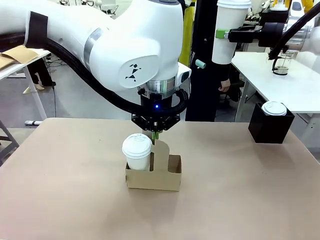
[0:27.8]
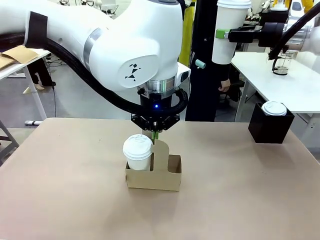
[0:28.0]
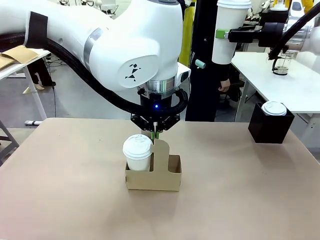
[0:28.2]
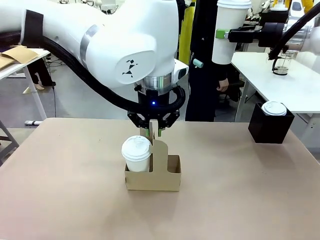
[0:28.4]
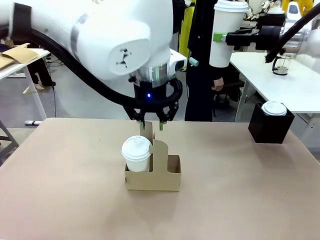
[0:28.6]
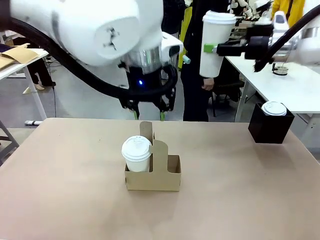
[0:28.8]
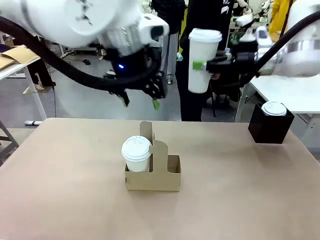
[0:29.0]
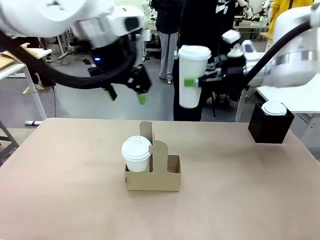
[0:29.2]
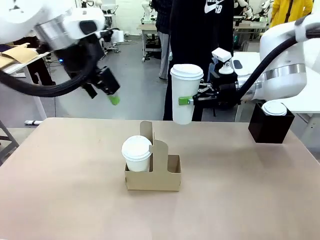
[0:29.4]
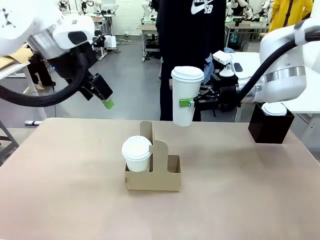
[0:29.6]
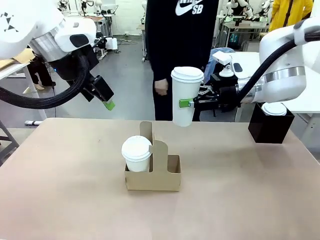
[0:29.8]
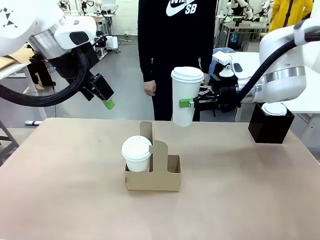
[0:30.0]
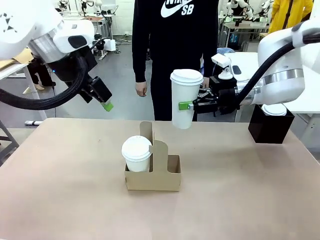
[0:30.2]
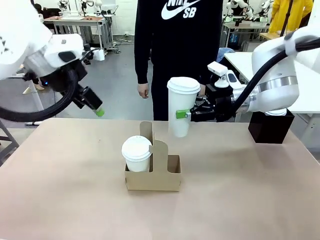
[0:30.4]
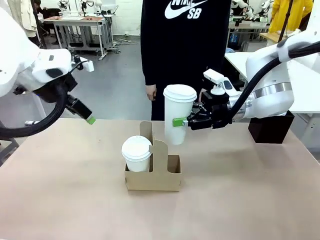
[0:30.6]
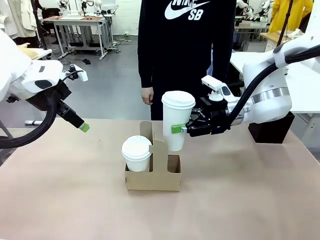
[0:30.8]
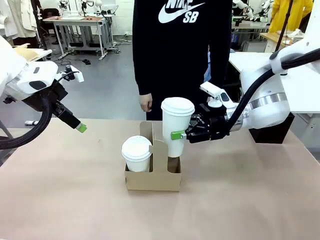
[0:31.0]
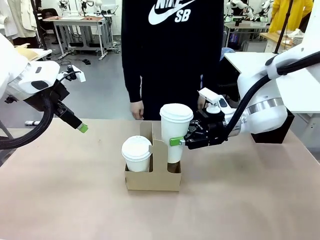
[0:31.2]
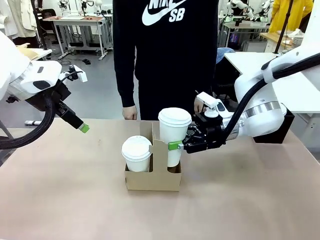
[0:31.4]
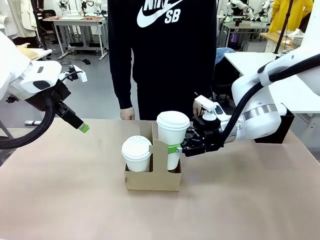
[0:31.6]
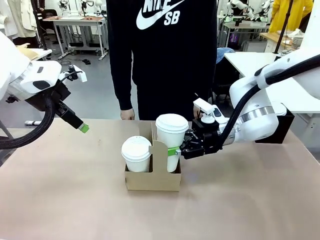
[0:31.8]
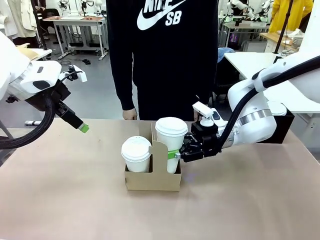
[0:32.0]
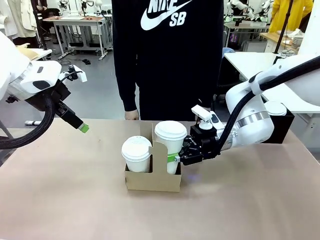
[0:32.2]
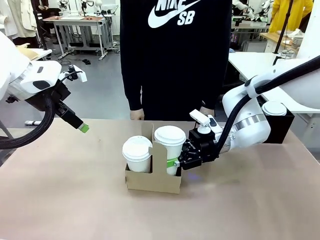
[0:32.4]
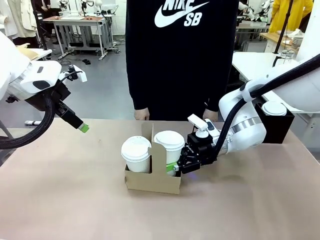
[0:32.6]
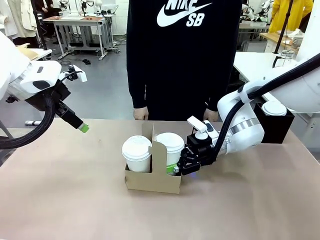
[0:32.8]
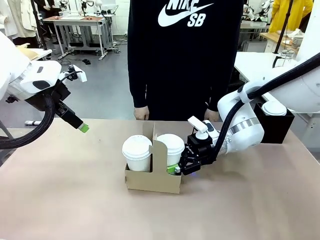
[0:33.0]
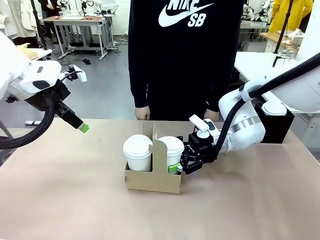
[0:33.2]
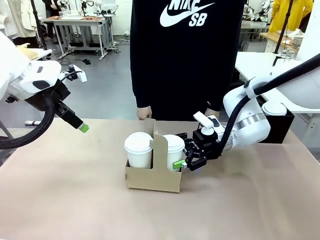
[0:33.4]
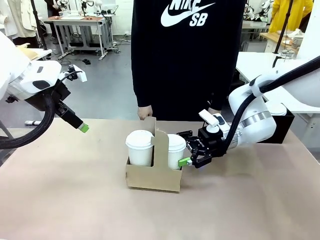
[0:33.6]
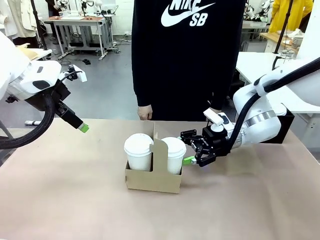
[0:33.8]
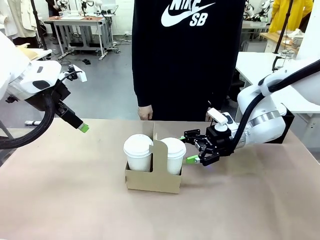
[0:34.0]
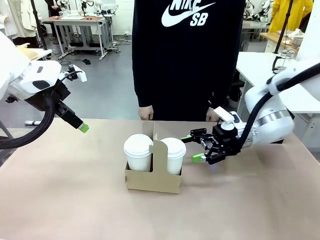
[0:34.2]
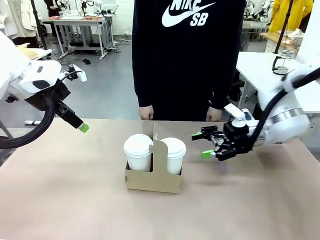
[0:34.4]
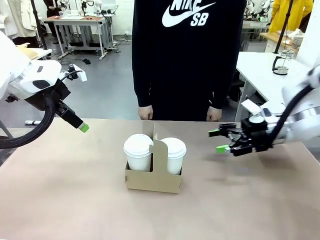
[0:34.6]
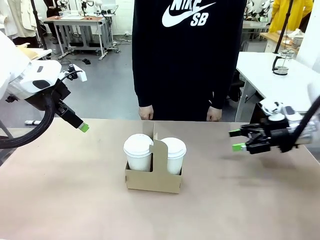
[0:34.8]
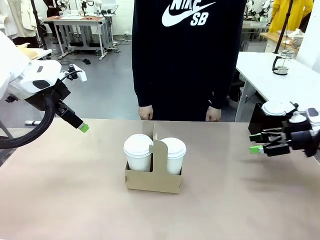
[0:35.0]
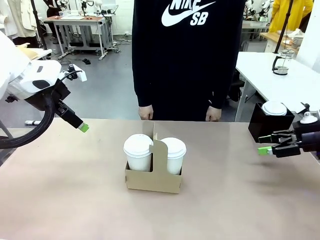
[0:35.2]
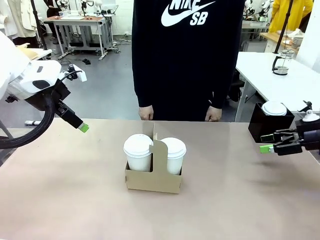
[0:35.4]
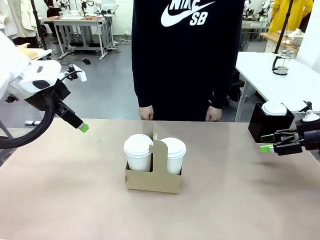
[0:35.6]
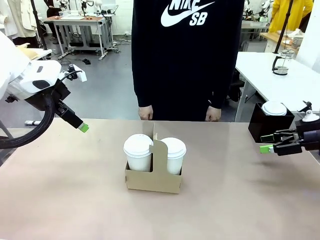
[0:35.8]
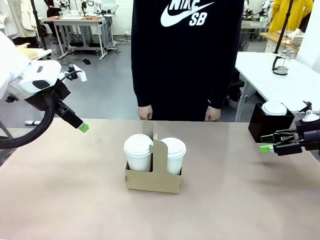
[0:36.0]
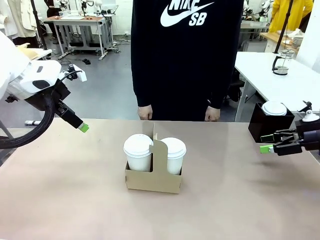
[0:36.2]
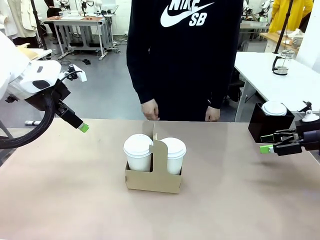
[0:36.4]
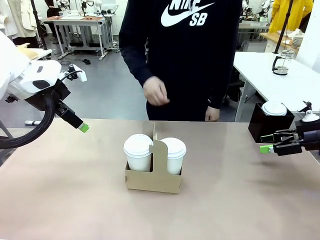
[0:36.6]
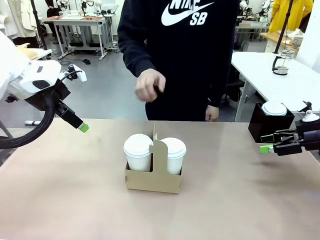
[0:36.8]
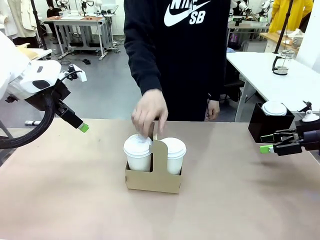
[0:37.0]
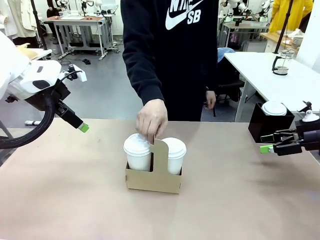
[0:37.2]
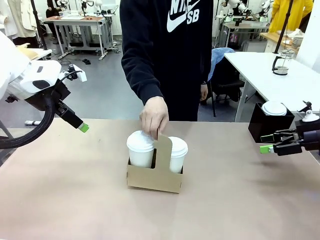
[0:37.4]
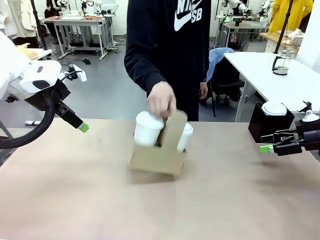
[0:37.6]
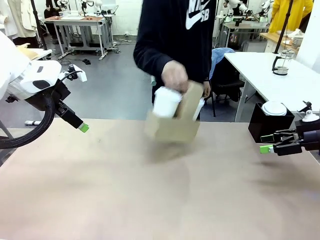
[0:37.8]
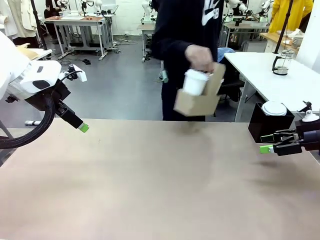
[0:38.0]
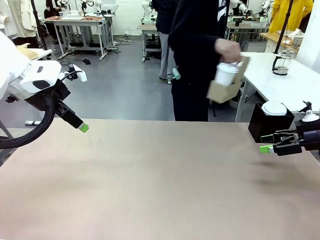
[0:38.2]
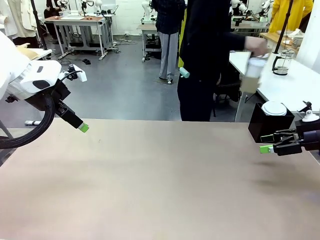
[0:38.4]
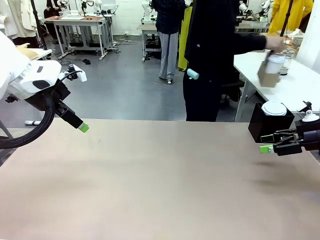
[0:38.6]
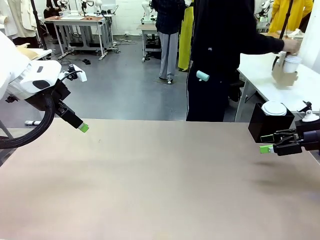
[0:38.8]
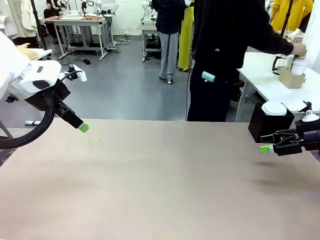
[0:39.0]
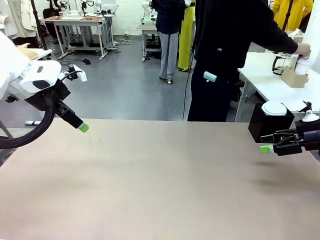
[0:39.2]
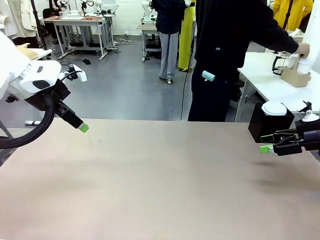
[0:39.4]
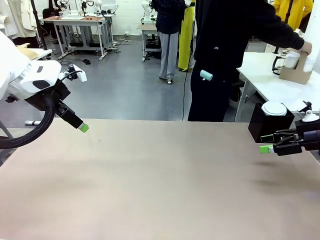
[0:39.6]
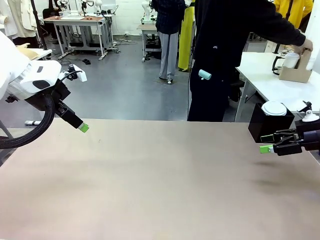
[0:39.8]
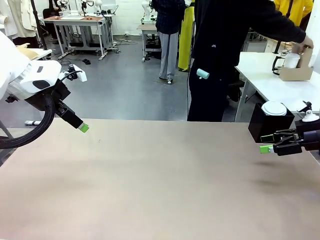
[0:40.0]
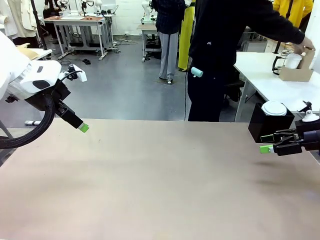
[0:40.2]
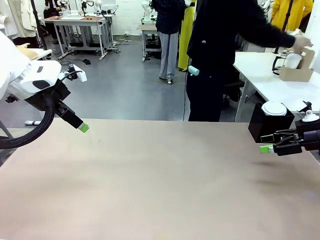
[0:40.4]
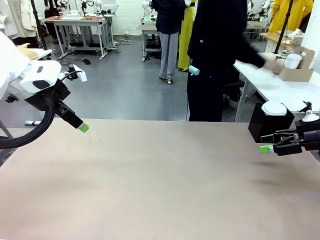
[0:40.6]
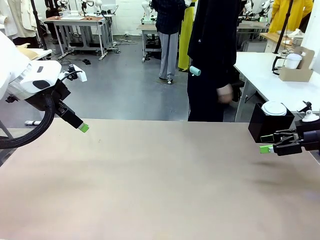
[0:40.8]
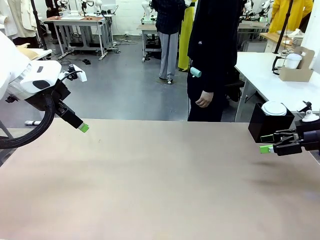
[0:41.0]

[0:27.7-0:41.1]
Task: Pour a drink into a cup and package it in a carrier.
Robot: Insert the held 600 ml Paper Cup into the Cup Carrier.
Person: Place the Cup Carrier to the middle of Human table.

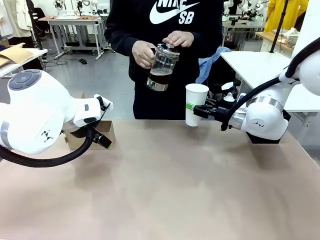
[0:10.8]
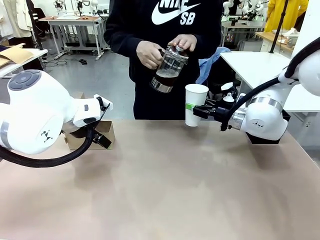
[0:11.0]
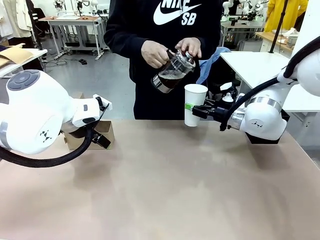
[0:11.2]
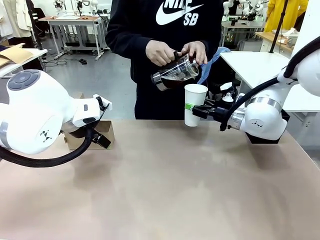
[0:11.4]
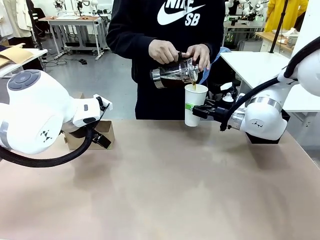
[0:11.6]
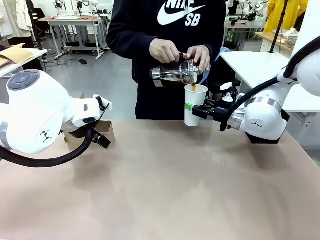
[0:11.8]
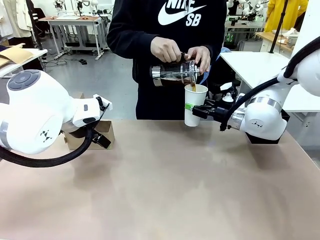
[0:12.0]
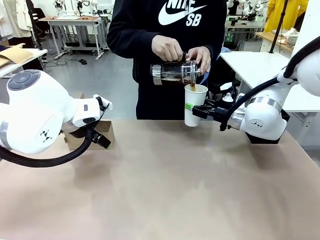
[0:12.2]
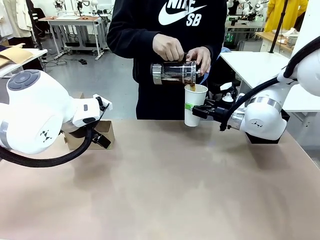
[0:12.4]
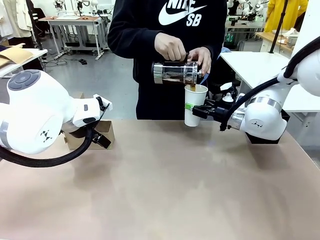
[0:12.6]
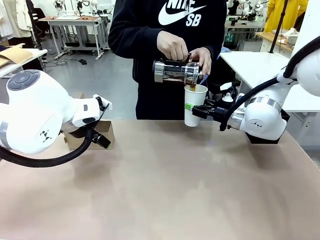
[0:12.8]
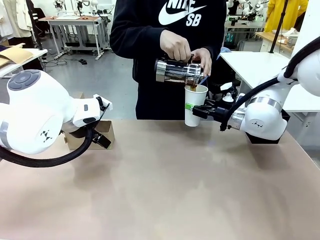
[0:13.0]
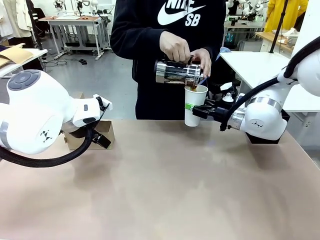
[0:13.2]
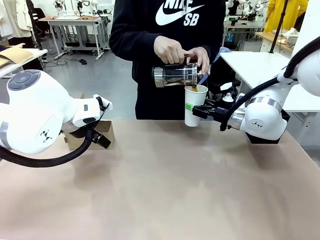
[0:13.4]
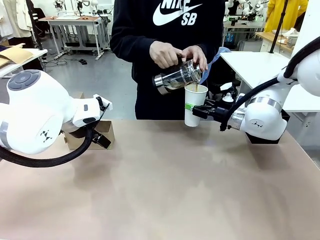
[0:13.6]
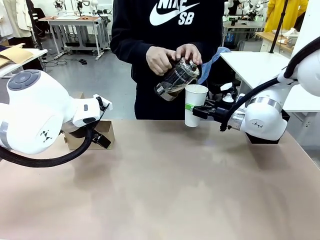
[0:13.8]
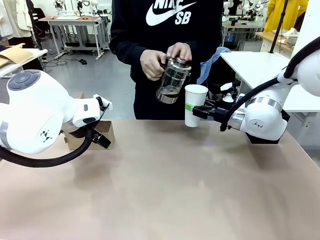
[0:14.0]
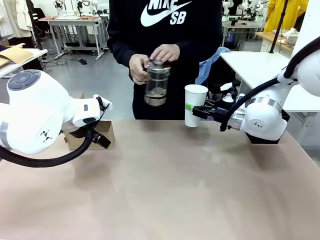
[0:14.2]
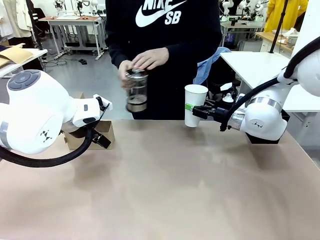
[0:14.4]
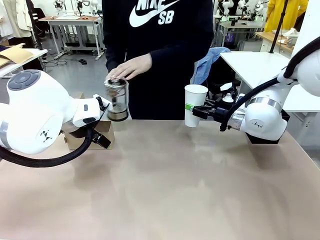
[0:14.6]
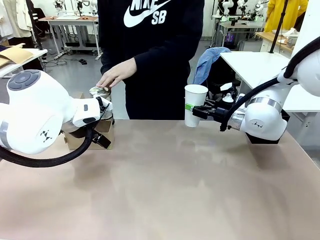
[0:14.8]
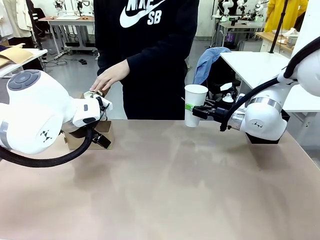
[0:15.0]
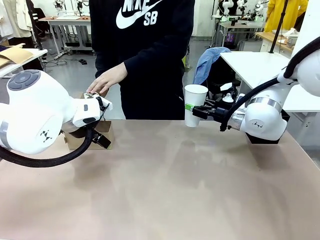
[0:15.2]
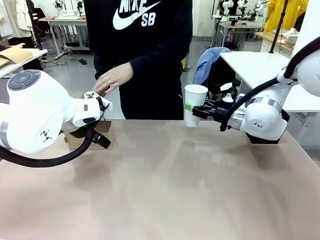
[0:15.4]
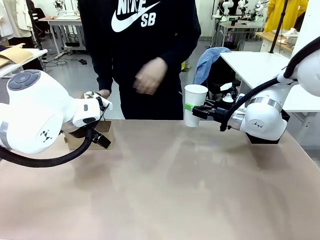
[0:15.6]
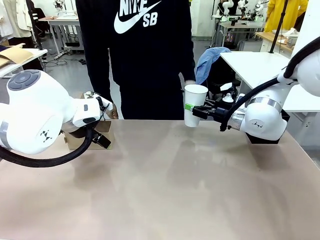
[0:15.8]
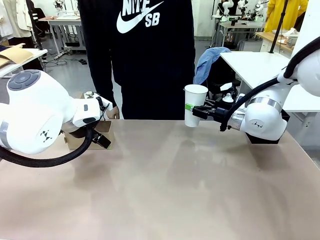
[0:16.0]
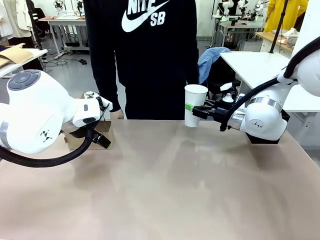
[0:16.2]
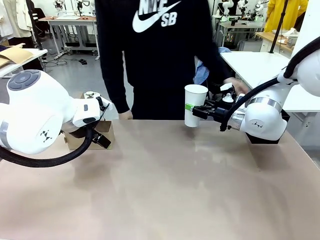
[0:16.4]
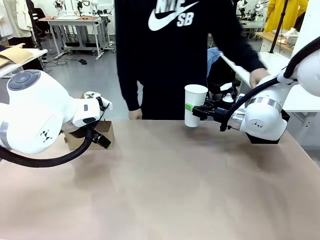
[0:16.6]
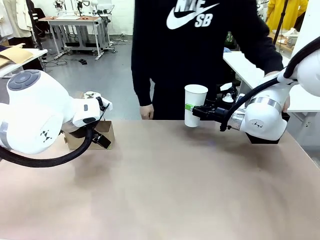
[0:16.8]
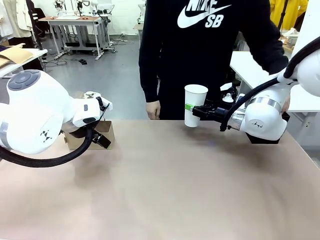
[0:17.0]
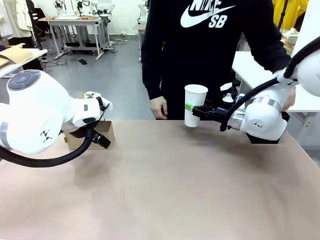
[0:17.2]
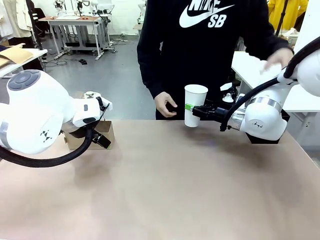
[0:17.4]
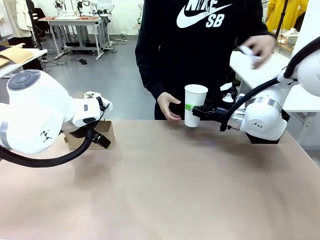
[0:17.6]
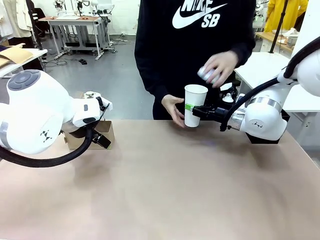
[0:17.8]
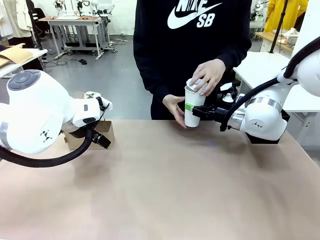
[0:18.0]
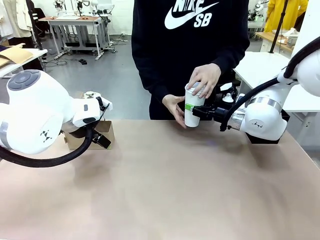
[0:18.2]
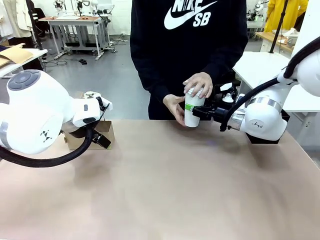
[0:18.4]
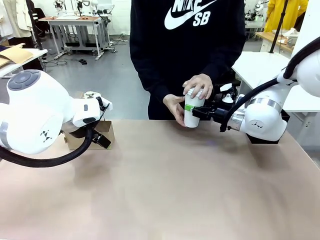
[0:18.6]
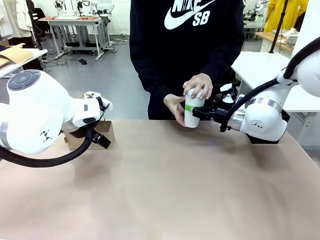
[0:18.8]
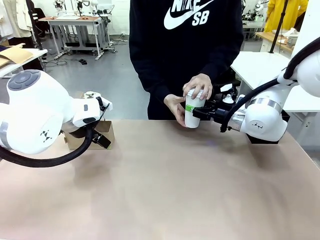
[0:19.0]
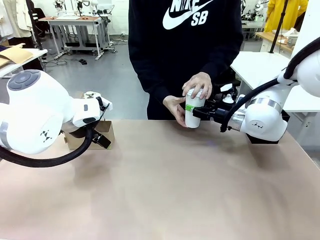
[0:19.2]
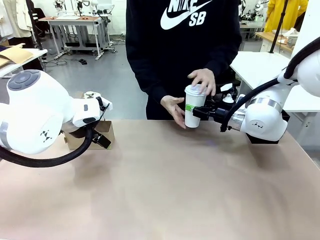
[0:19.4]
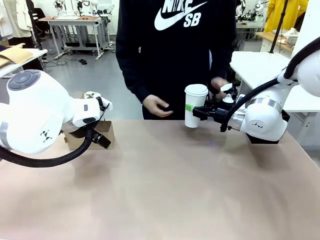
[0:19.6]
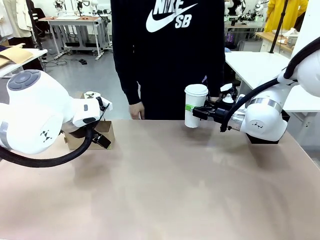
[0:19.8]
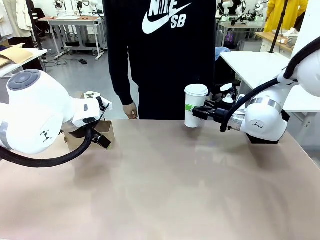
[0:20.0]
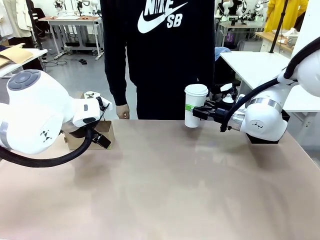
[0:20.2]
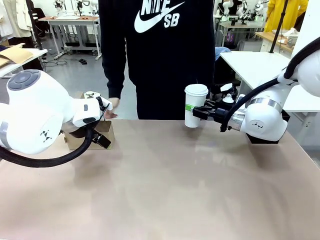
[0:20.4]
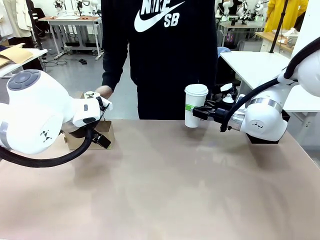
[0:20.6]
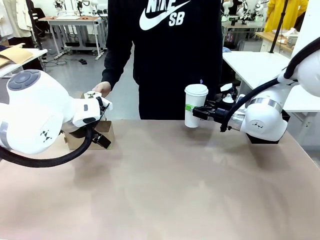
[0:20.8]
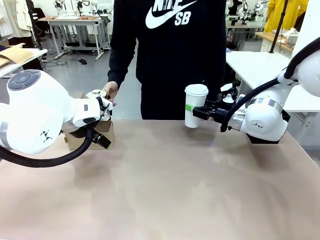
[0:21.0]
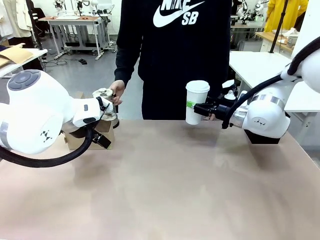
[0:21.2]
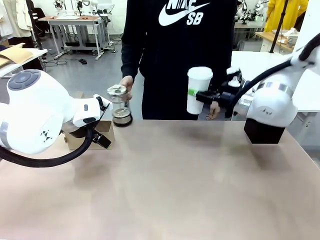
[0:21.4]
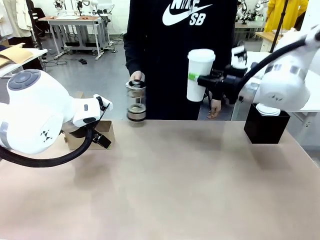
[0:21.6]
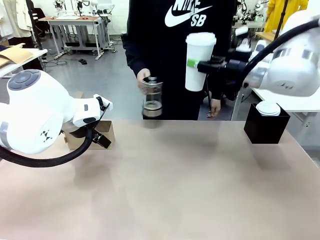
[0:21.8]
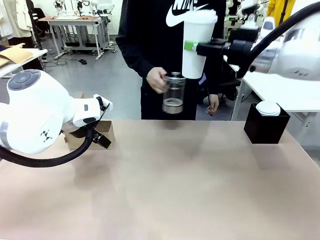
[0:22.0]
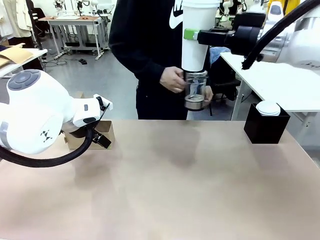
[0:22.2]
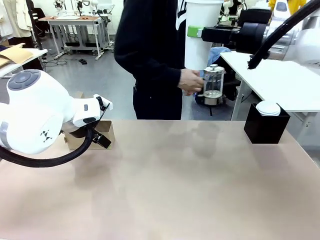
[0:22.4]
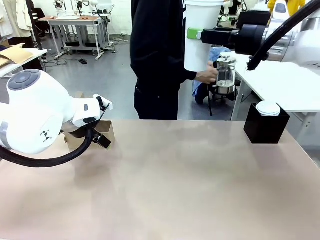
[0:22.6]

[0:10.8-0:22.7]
Task: Pour a drink into a cup and package it in a carrier.
Robot: When a person places the Paper Cup Lid on the 600 ml Paper Cup , lift the 600 ml Paper Cup.
Person: Place a Paper Cup Lid on the 600 ml Paper Cup.
